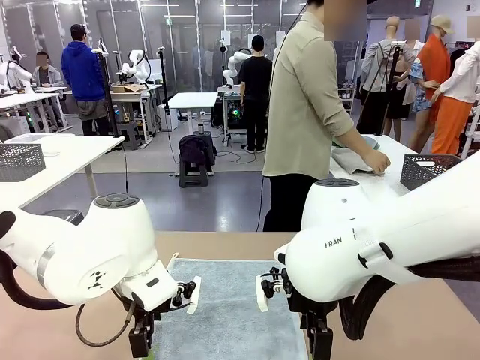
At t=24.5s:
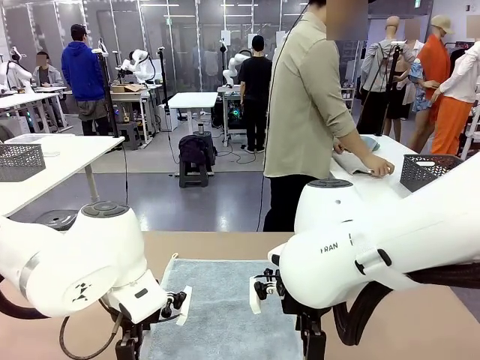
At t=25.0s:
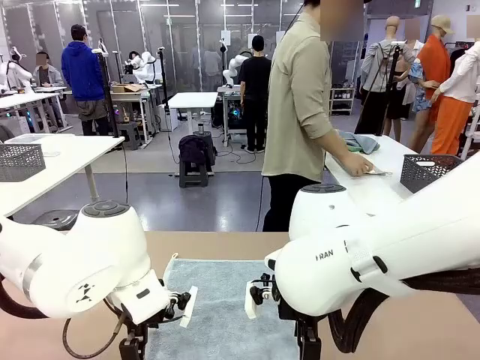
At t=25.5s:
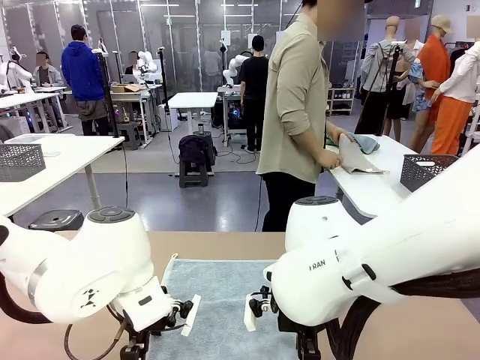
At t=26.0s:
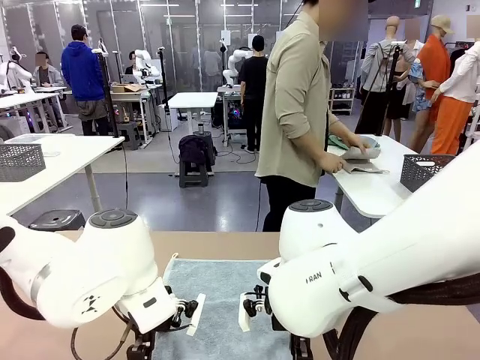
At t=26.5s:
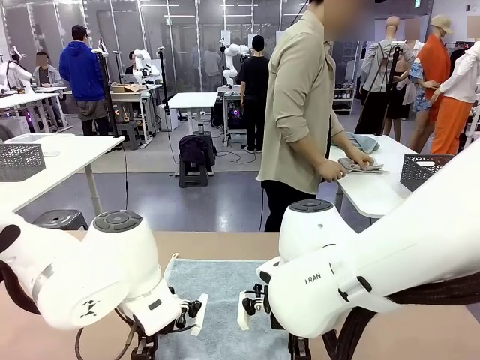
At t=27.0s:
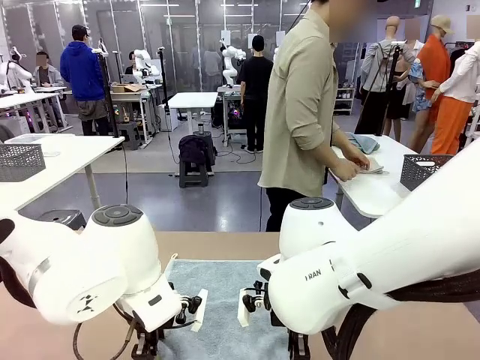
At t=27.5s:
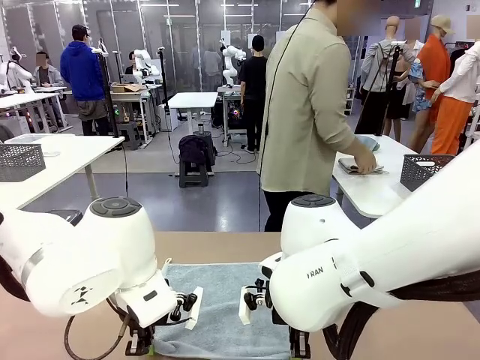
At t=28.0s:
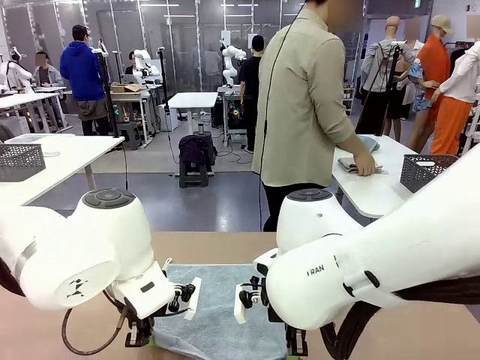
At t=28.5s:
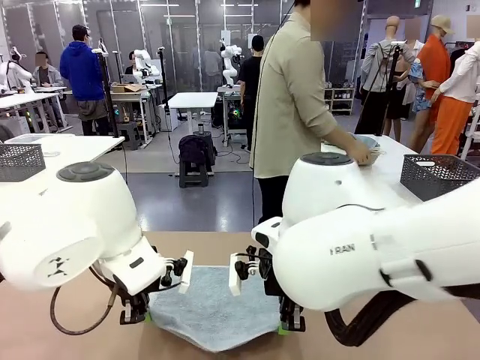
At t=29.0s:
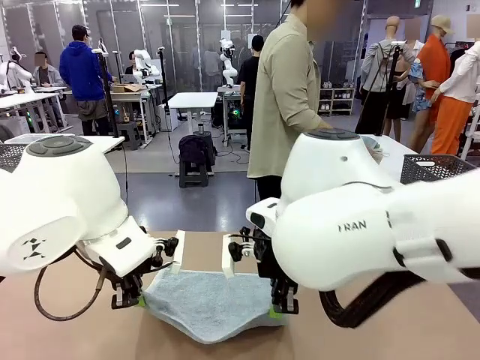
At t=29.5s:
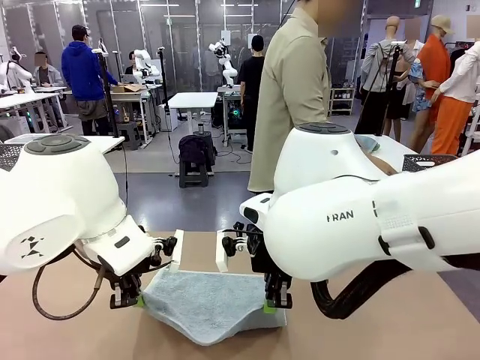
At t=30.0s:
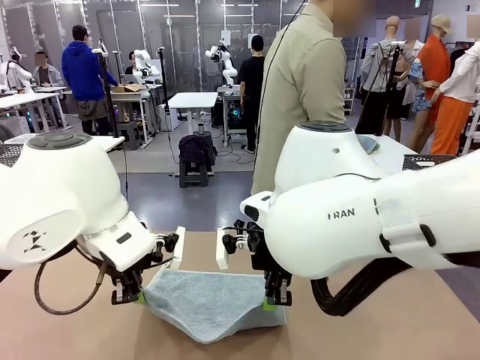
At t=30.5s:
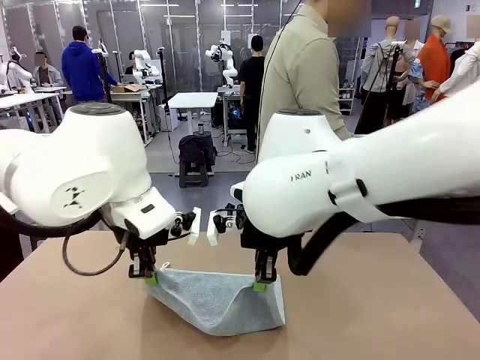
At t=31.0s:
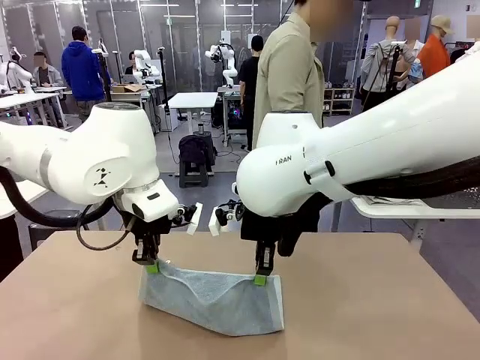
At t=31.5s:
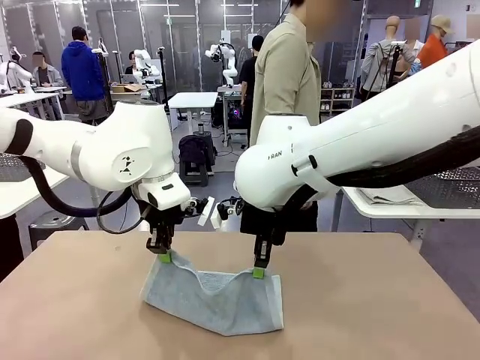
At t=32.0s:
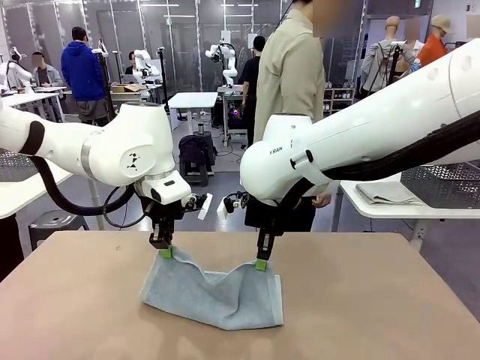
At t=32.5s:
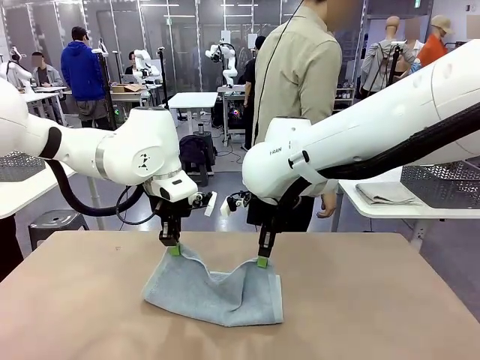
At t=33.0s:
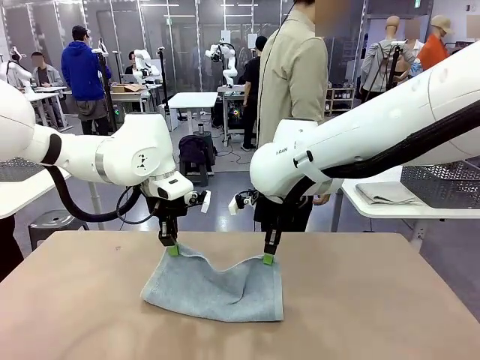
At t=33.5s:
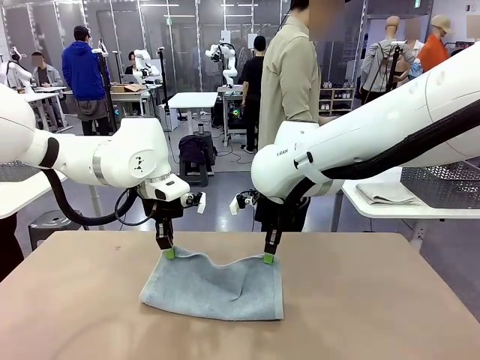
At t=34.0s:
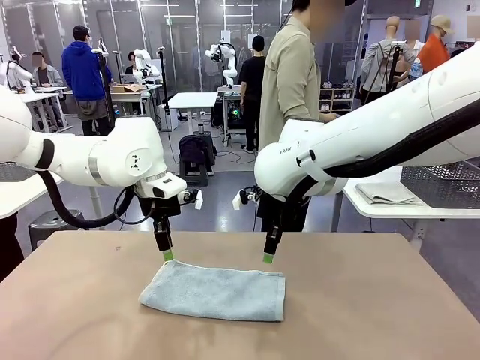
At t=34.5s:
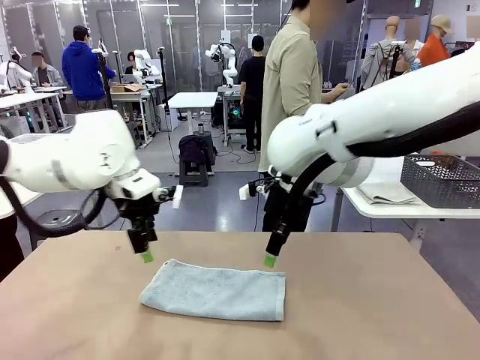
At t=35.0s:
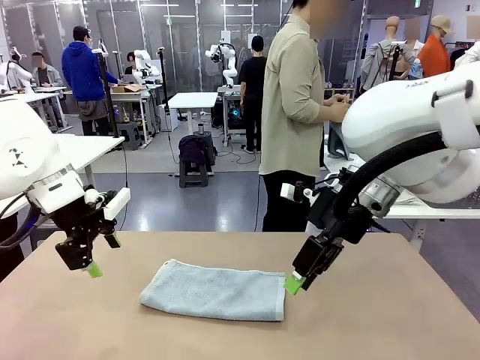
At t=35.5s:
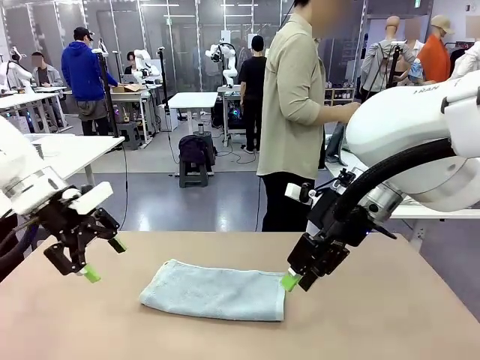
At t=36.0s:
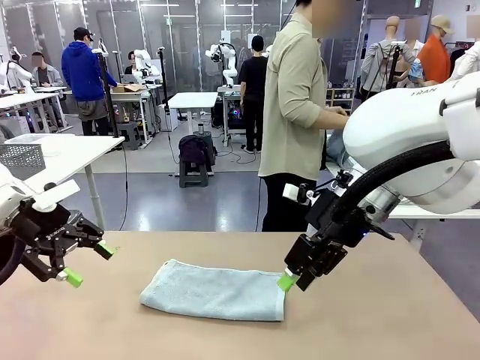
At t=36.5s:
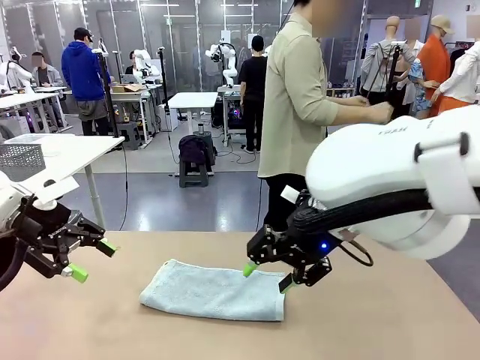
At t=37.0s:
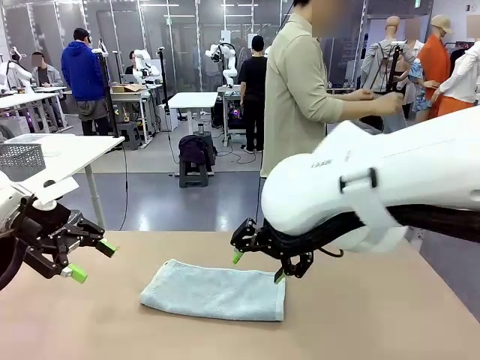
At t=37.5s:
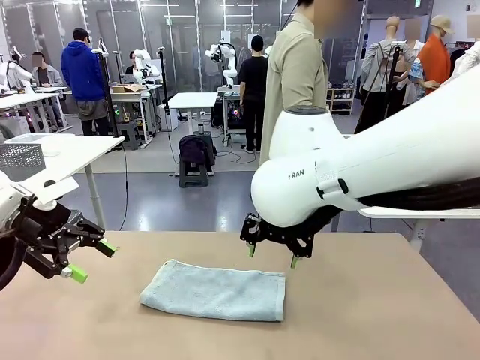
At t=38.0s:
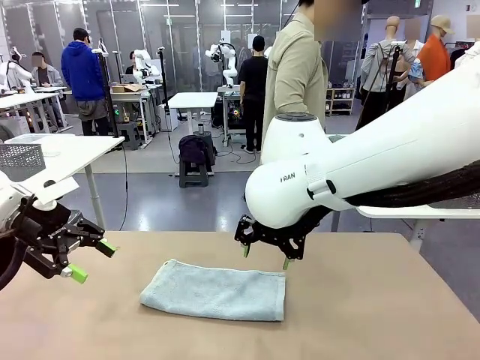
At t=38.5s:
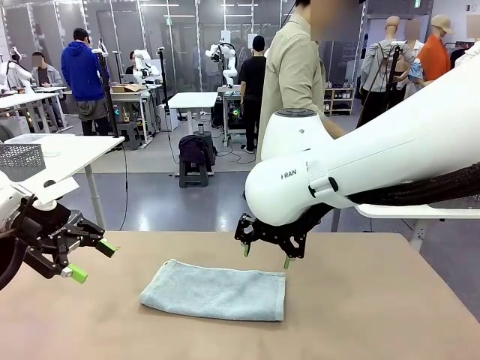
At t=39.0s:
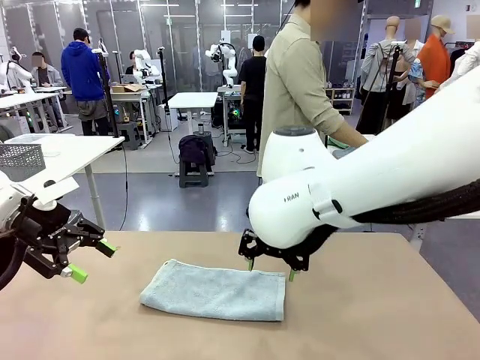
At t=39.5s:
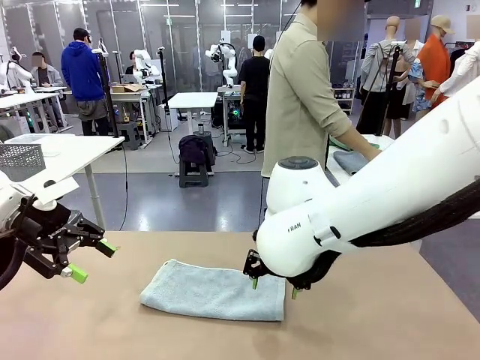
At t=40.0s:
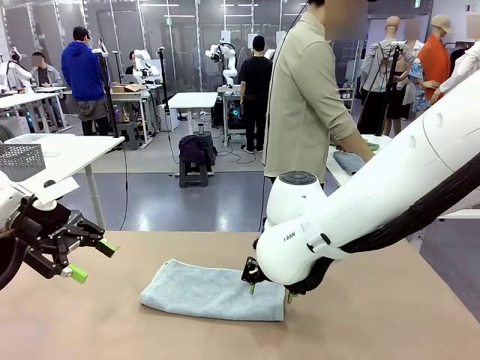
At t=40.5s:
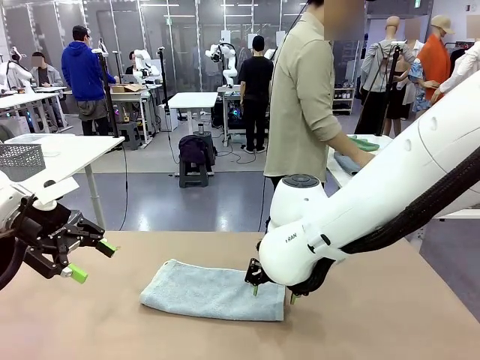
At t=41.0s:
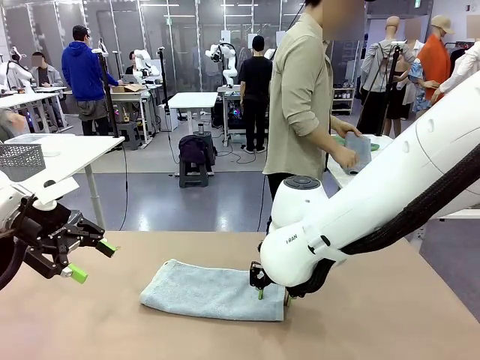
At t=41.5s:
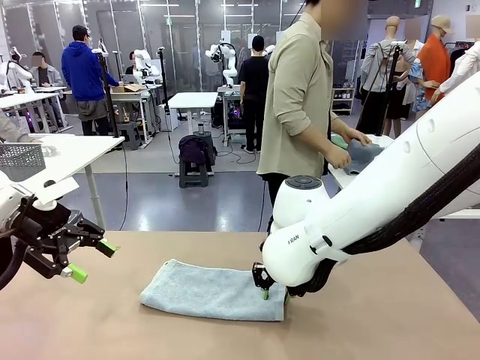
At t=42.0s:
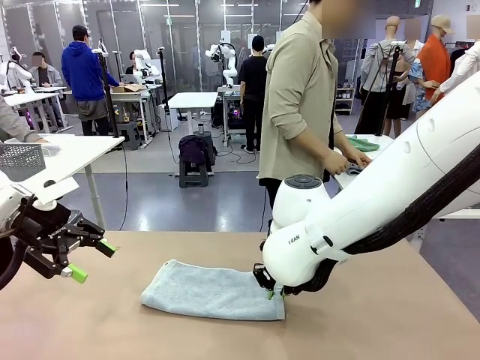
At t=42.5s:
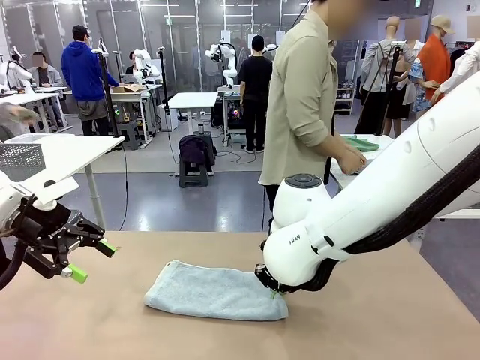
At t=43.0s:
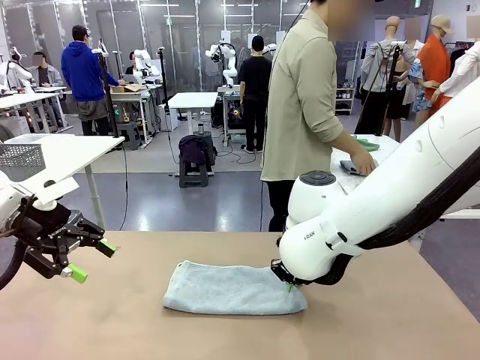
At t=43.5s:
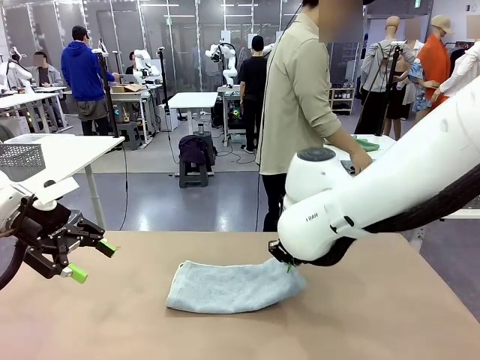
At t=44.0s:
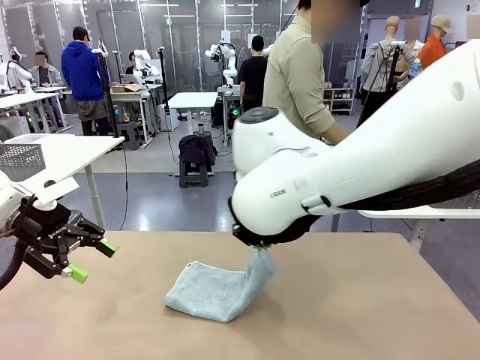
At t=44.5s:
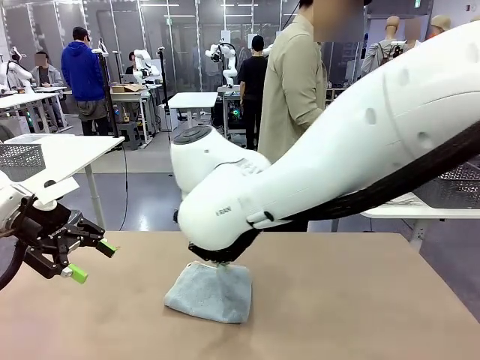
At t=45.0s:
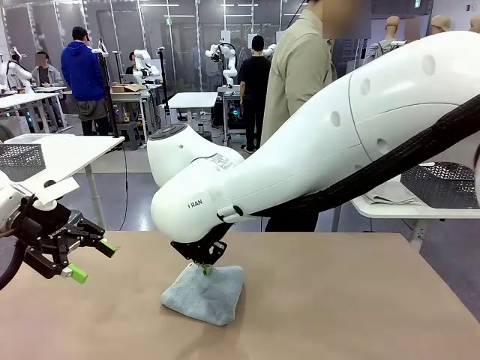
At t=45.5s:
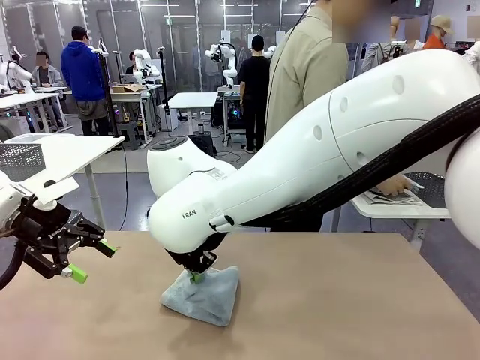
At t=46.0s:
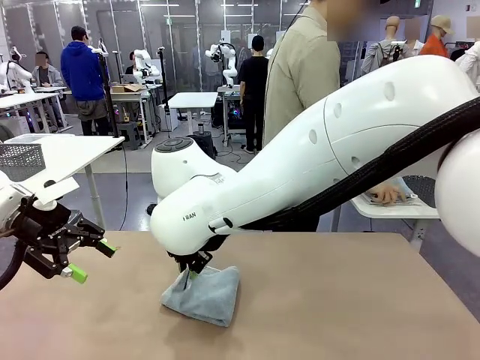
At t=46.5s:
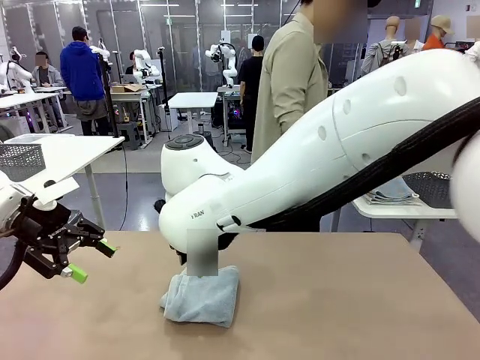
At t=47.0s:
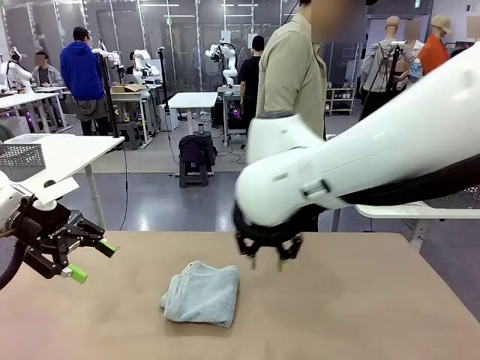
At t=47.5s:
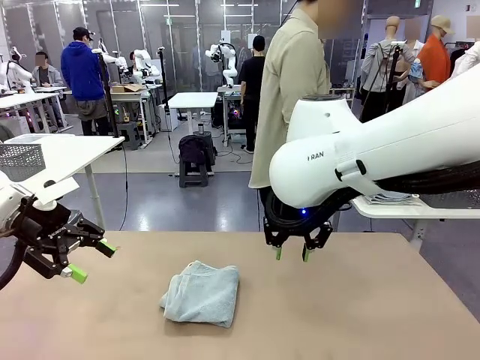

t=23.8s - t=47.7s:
Task: Fold the towels and place them in the basket.
Robot: When a person lays out a Towel with hook on the table, fold it in half twice.
Person: Pick up one towel from the left side of the human table, fold it in half twice, and stack it on the right side of the table.
